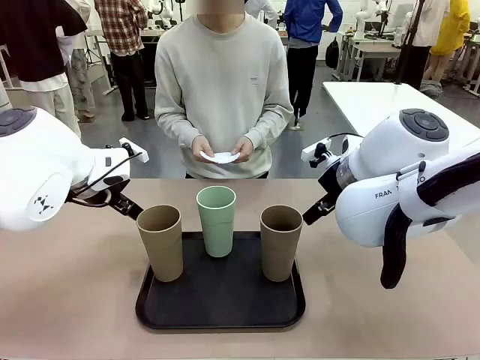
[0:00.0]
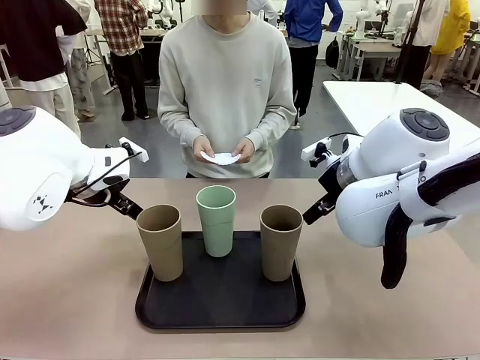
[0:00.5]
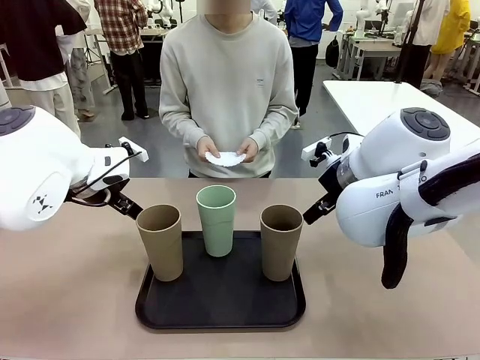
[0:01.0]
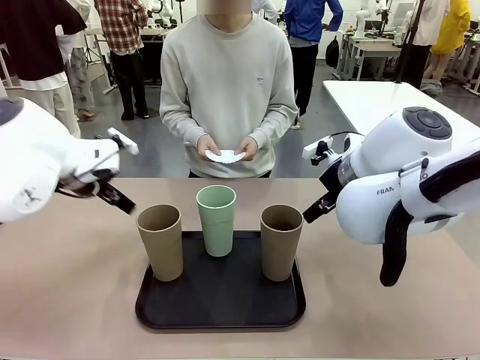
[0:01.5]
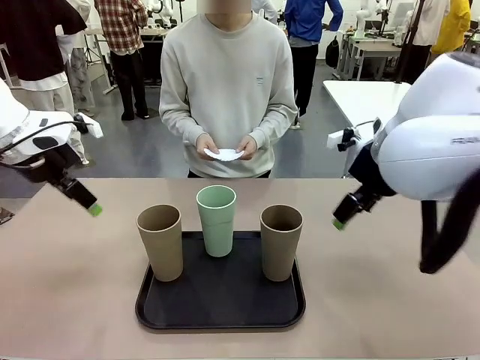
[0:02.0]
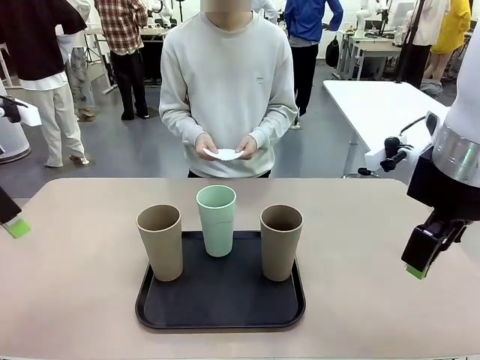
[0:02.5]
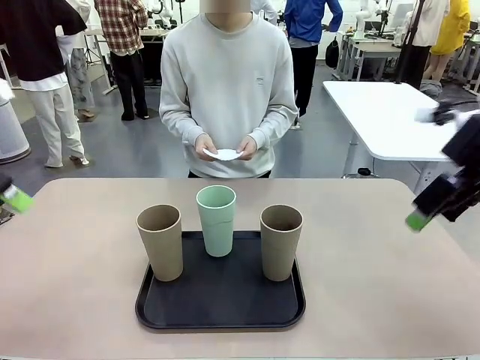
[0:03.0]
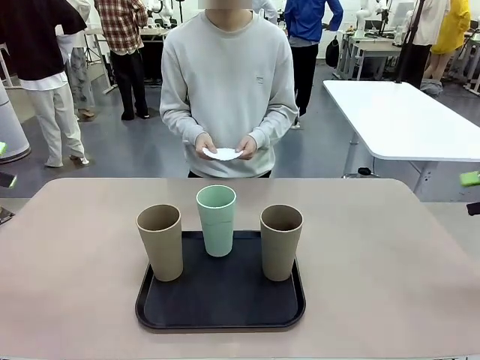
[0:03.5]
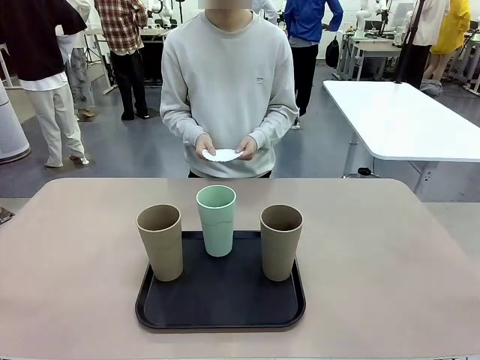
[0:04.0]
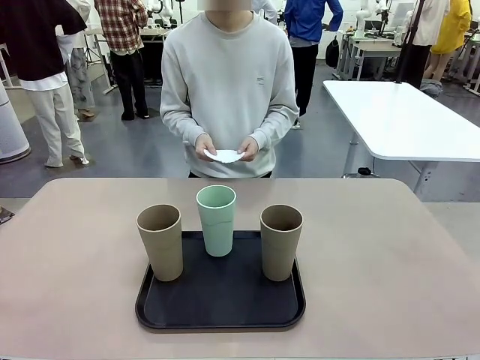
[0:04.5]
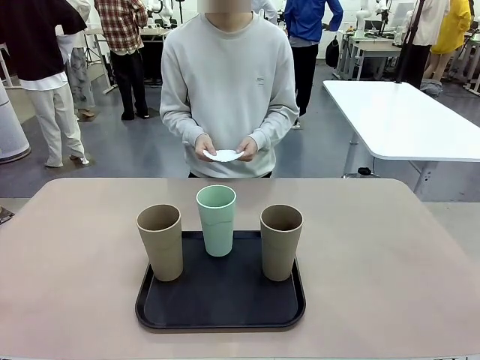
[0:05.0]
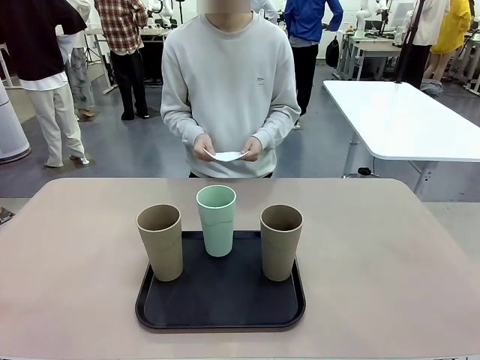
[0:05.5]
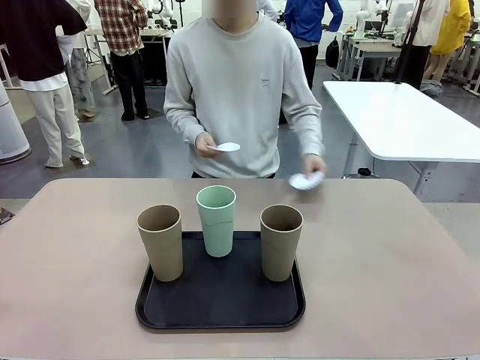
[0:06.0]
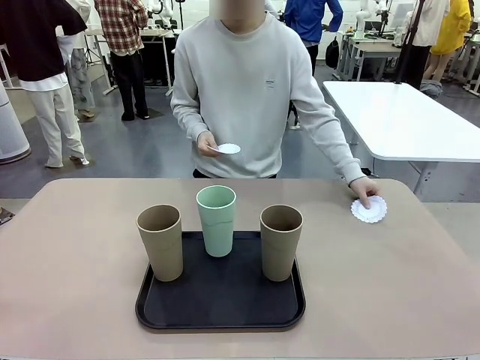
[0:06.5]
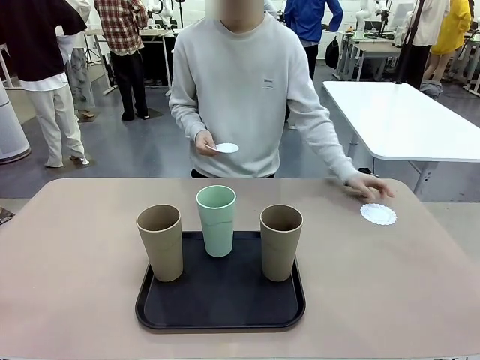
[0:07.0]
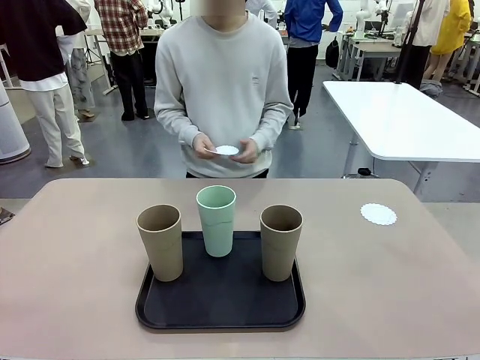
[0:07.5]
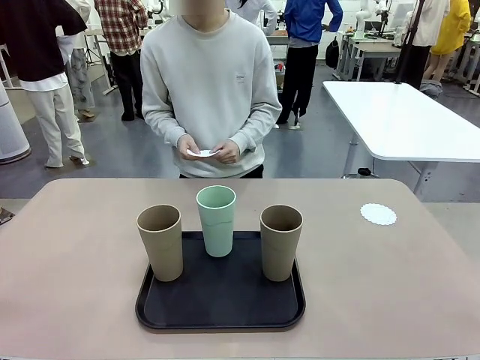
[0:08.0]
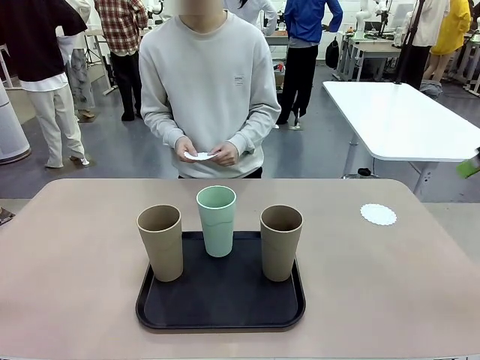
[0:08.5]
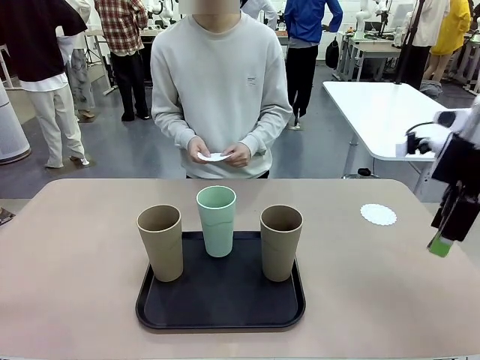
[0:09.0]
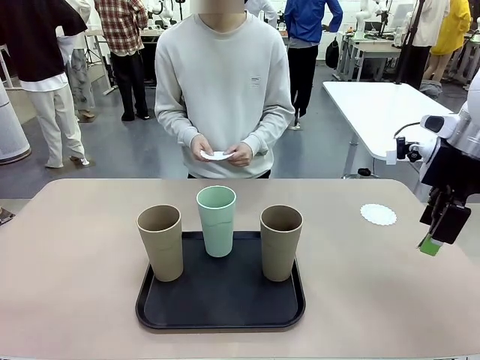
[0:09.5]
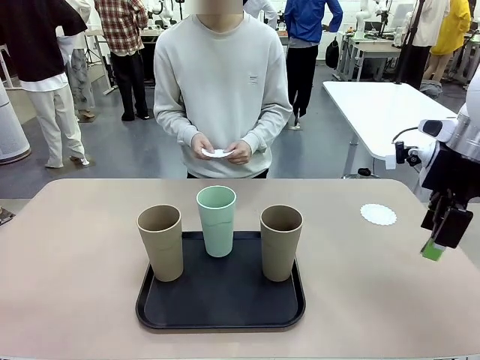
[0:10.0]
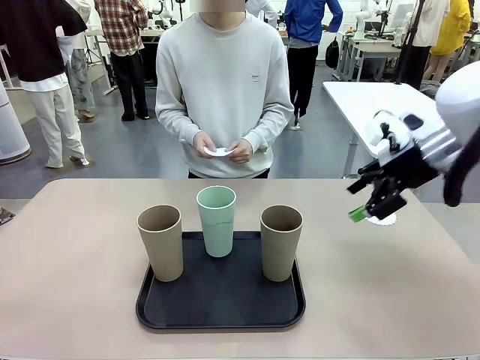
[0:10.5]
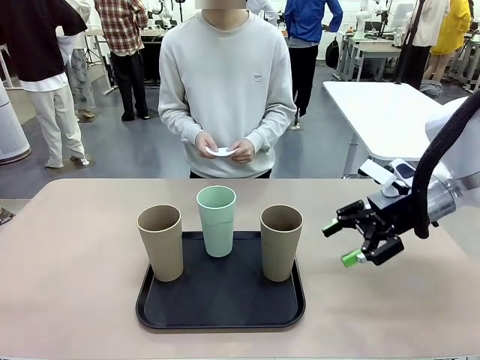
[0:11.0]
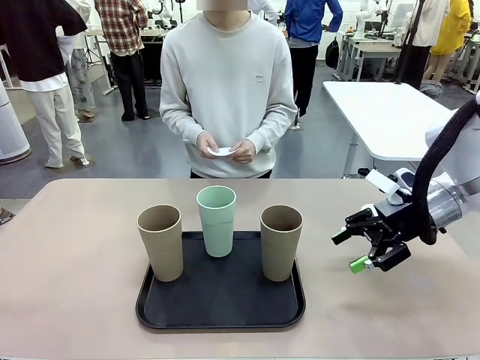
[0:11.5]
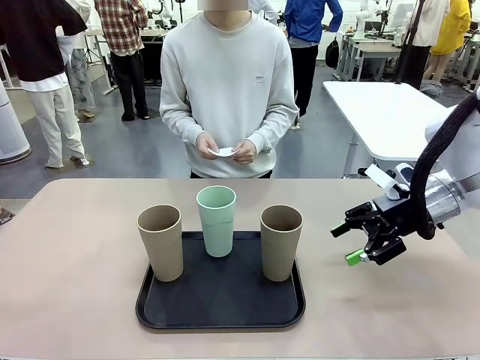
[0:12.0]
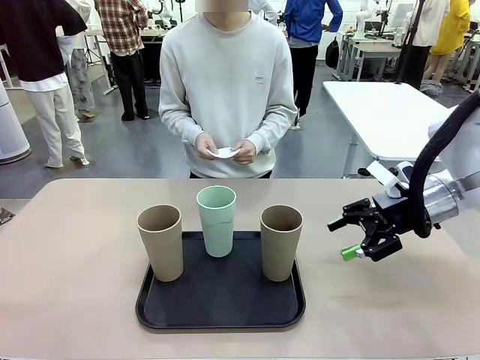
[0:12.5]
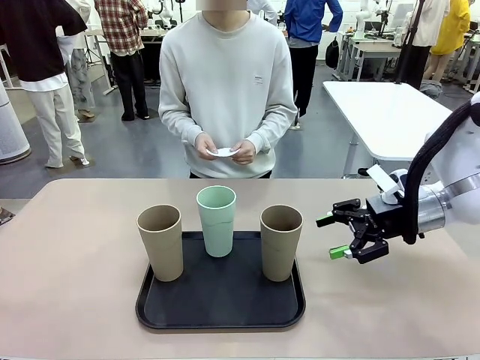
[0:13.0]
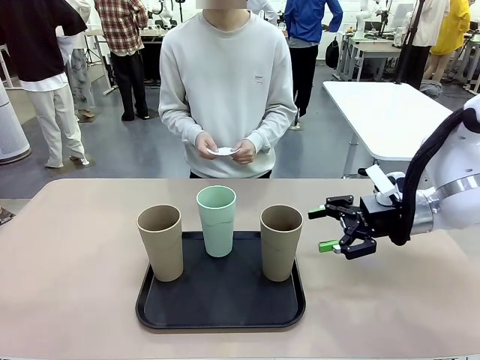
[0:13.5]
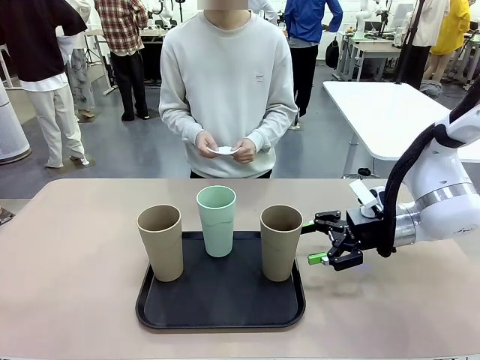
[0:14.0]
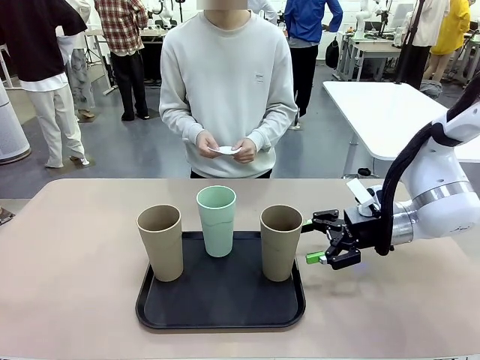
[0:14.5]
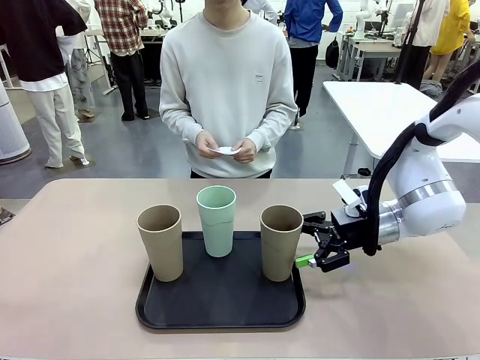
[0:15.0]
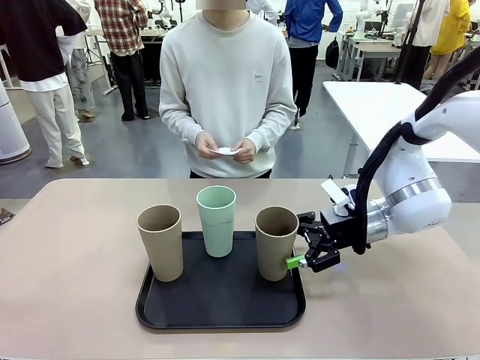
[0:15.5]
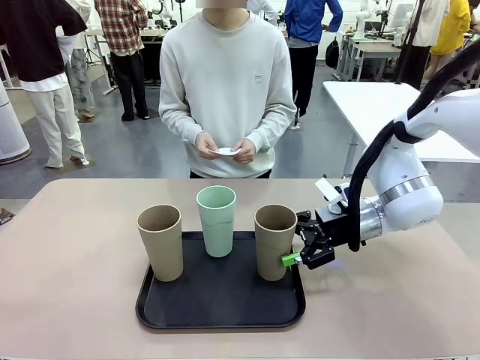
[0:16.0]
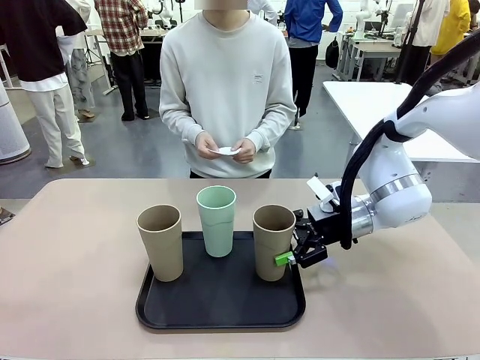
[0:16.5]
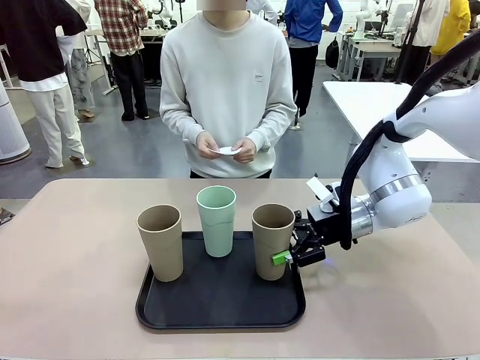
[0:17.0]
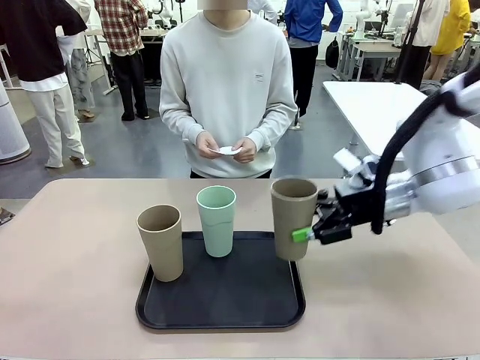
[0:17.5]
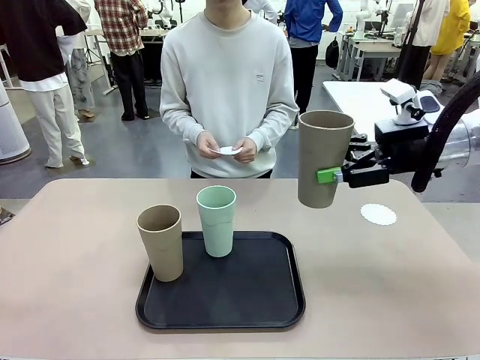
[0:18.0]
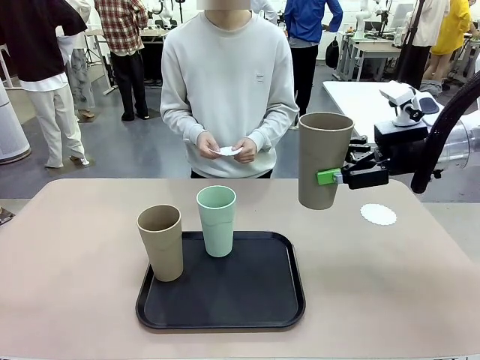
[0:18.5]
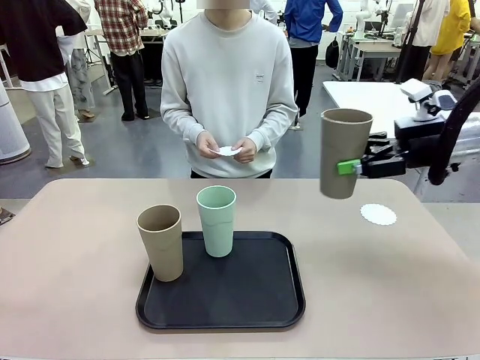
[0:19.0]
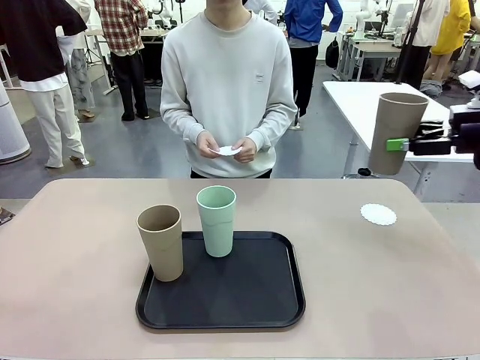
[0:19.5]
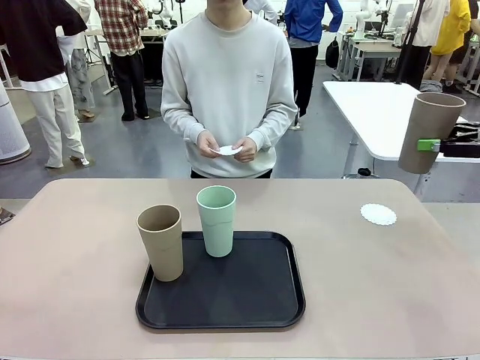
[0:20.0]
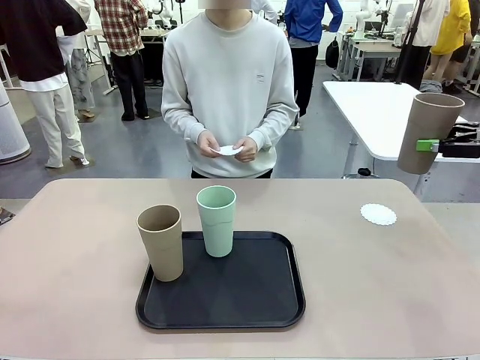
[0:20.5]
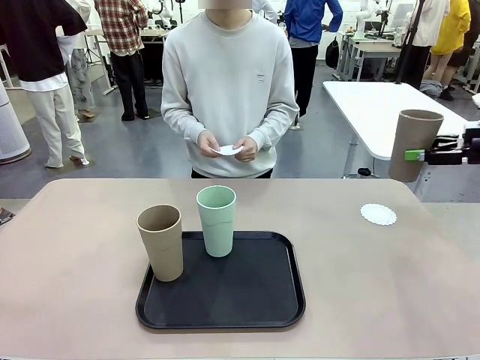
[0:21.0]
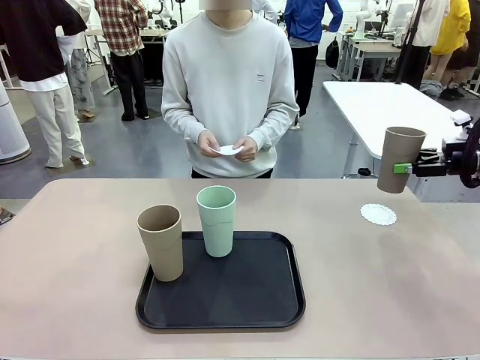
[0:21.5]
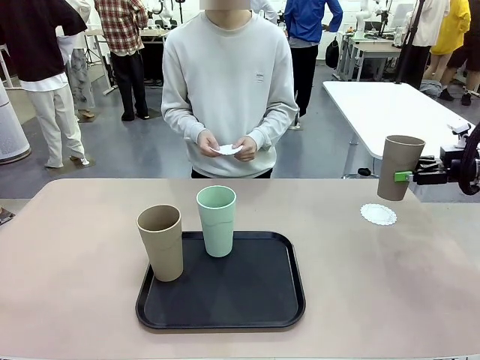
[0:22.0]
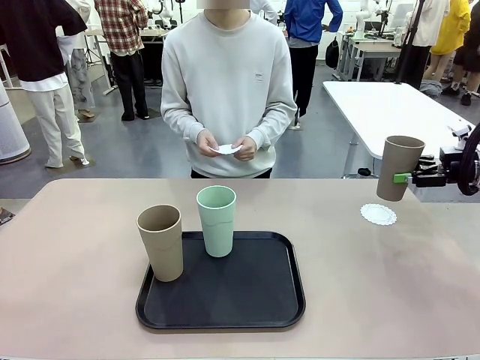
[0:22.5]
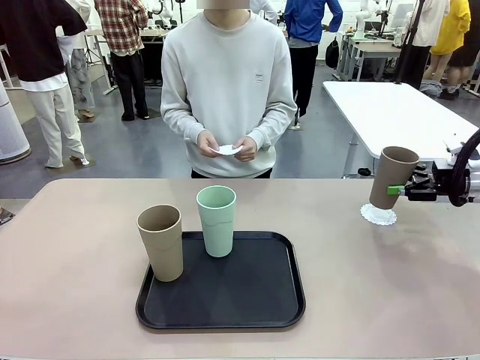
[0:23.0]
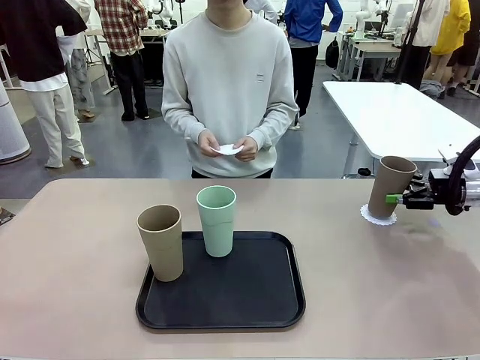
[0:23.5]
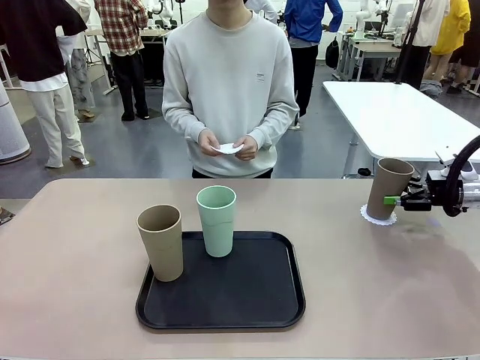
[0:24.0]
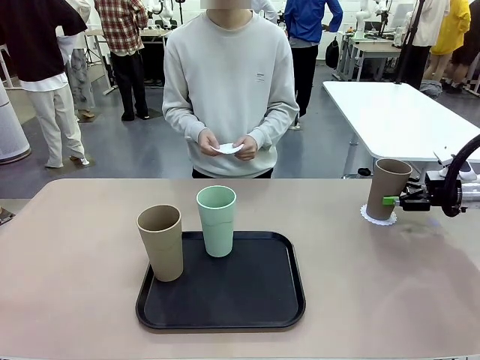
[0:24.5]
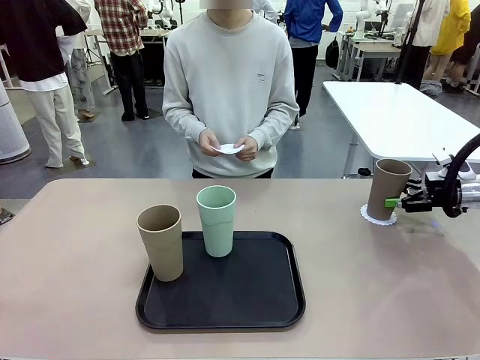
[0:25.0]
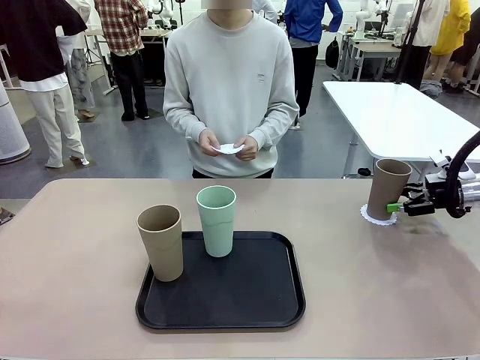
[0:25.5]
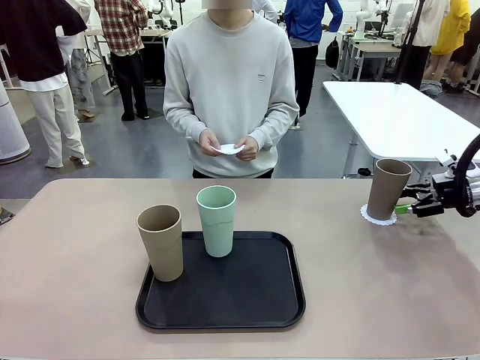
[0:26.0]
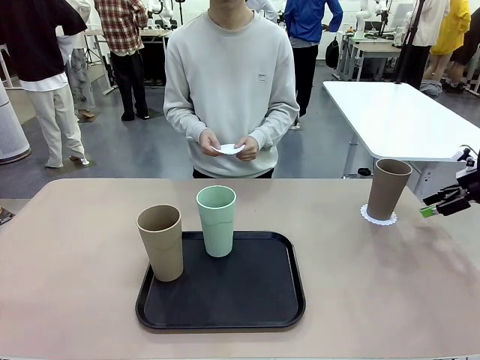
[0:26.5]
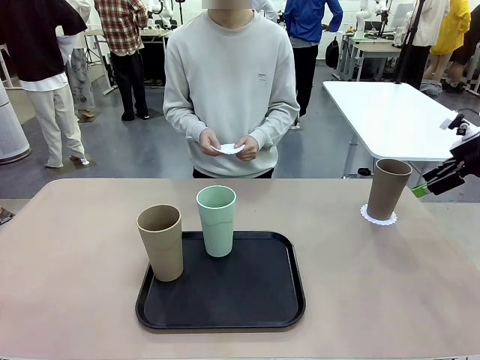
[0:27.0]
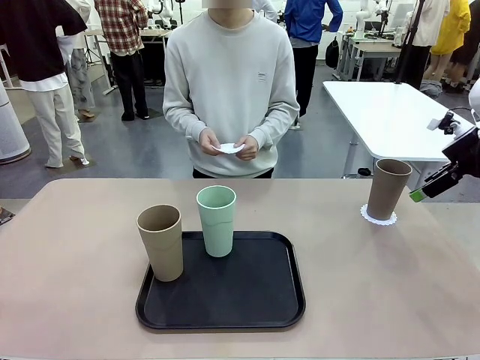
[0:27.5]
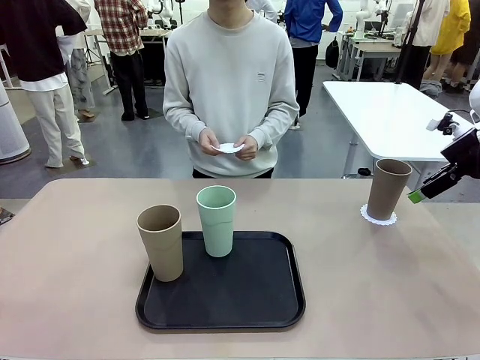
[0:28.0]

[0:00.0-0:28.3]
Task: Place coasters on the table and set cups on them.
Robot: Pick up one Reusable plastic cup and place it on a coaster set by the human.
Person: Place one coaster in any one of the three lower areas of the robot table (left, center, or right). Place one coaster in one of the two areas excluding the previously selected area.
